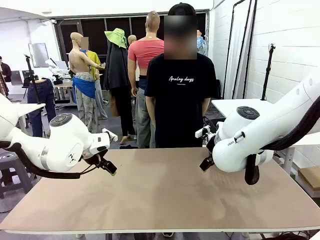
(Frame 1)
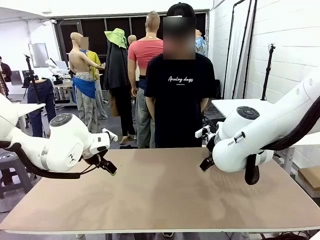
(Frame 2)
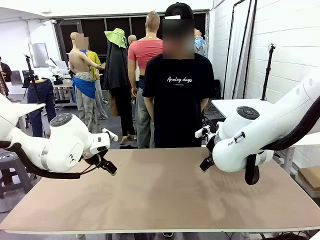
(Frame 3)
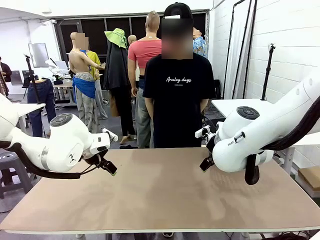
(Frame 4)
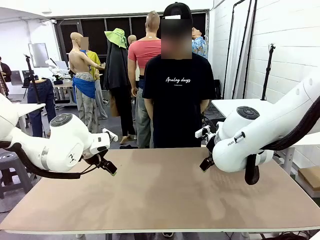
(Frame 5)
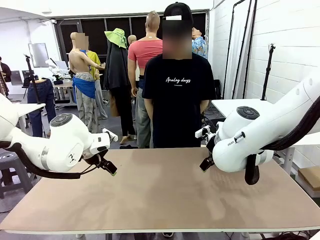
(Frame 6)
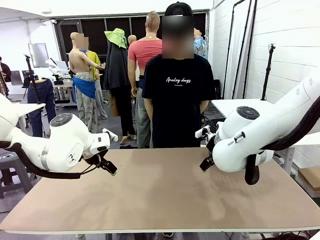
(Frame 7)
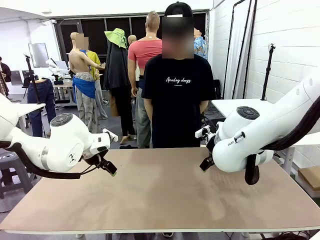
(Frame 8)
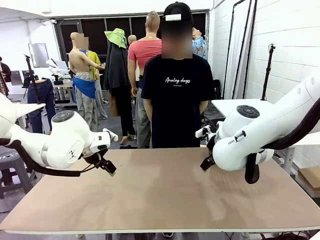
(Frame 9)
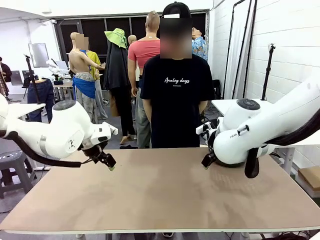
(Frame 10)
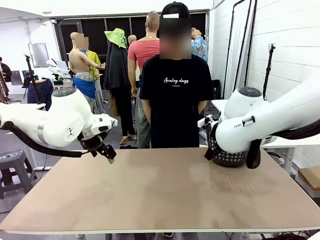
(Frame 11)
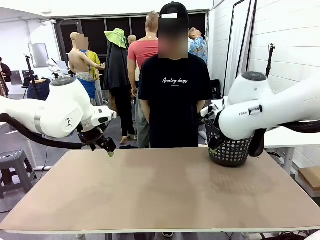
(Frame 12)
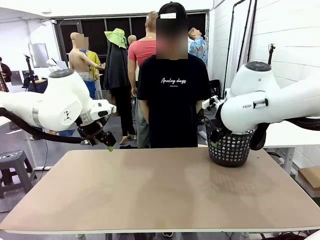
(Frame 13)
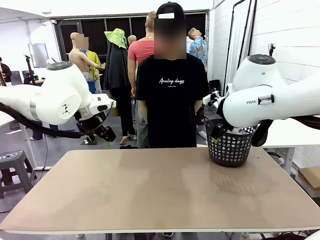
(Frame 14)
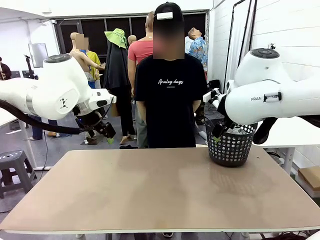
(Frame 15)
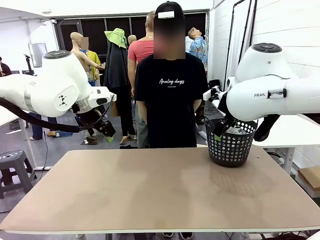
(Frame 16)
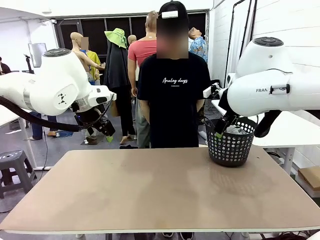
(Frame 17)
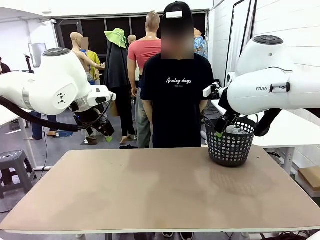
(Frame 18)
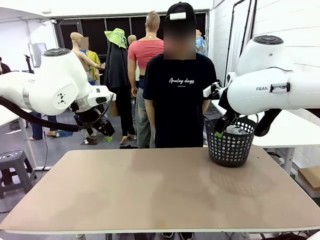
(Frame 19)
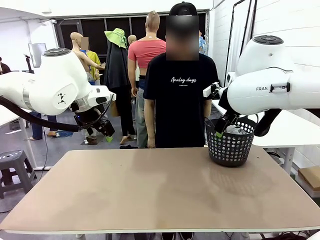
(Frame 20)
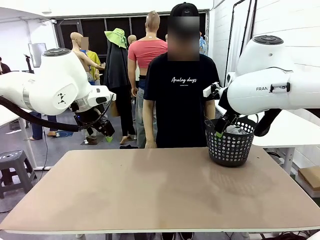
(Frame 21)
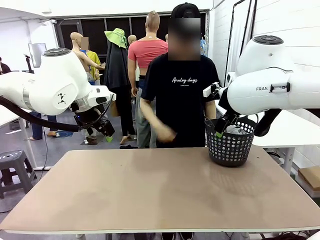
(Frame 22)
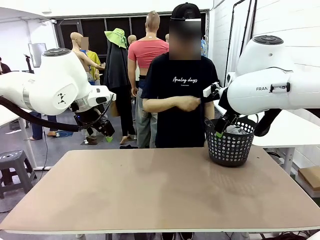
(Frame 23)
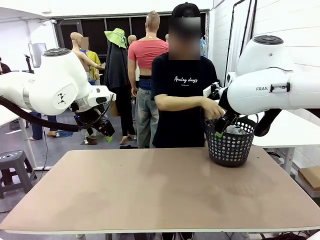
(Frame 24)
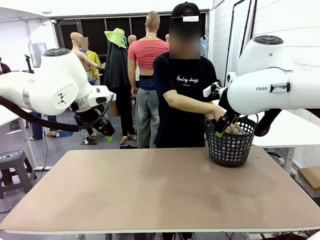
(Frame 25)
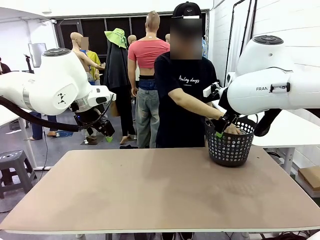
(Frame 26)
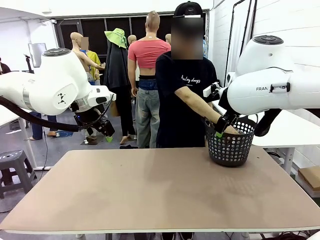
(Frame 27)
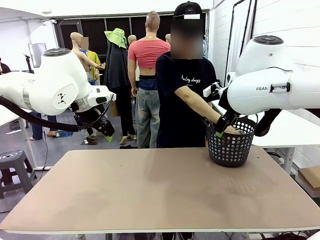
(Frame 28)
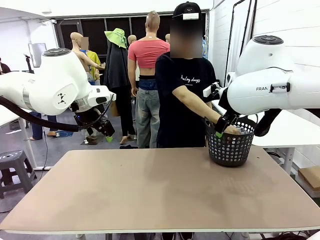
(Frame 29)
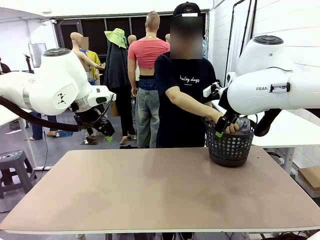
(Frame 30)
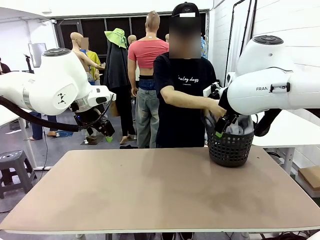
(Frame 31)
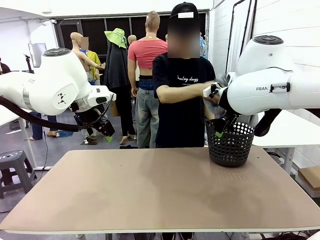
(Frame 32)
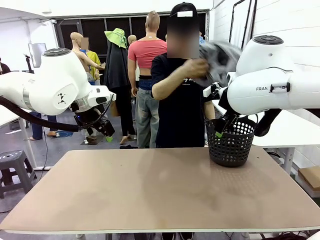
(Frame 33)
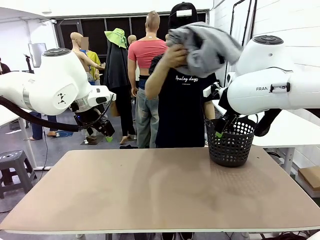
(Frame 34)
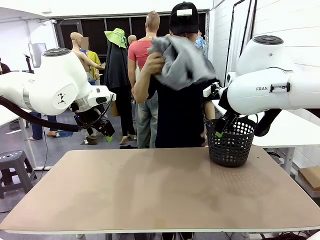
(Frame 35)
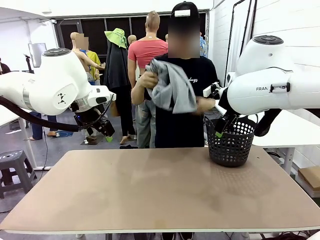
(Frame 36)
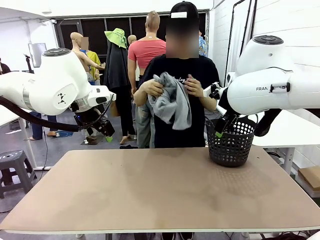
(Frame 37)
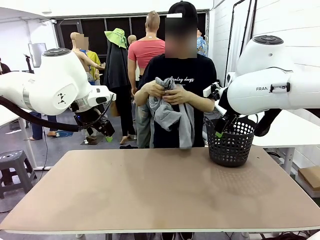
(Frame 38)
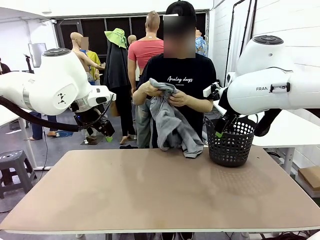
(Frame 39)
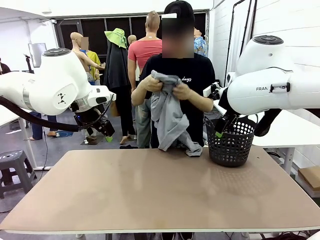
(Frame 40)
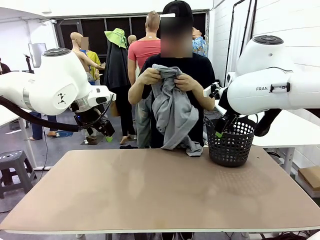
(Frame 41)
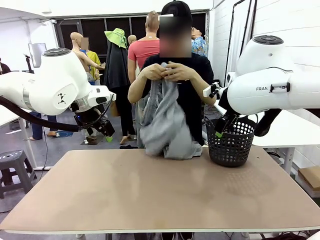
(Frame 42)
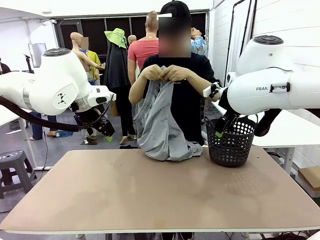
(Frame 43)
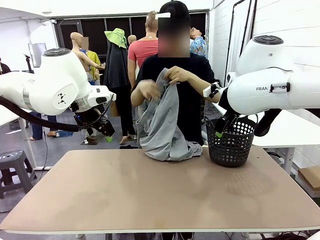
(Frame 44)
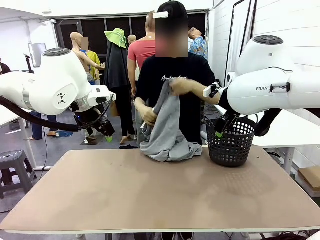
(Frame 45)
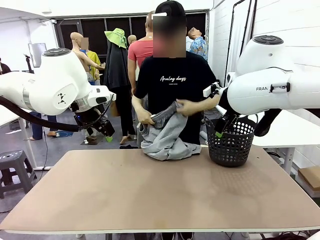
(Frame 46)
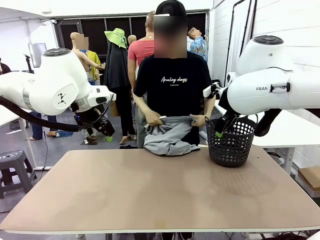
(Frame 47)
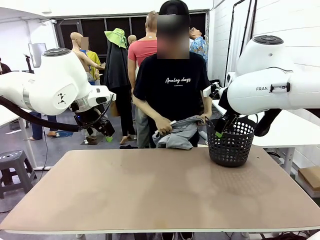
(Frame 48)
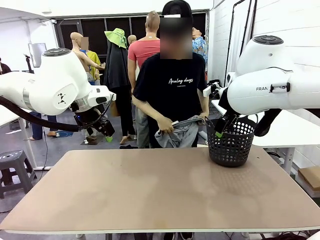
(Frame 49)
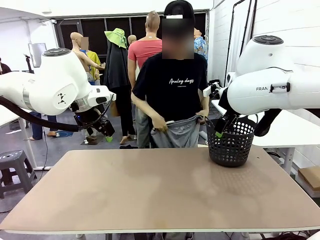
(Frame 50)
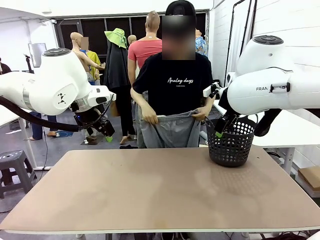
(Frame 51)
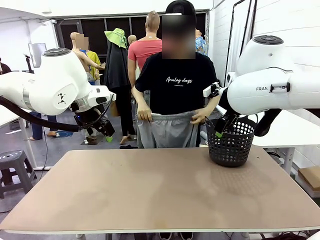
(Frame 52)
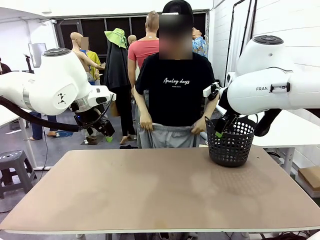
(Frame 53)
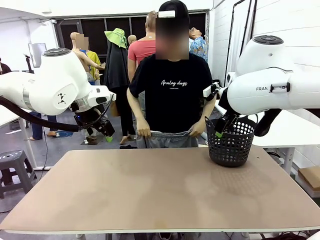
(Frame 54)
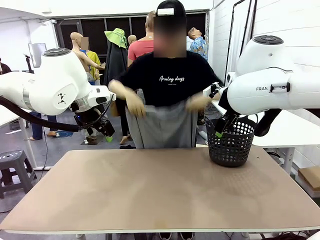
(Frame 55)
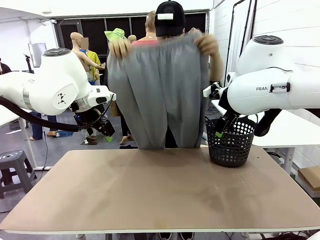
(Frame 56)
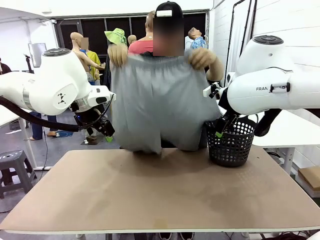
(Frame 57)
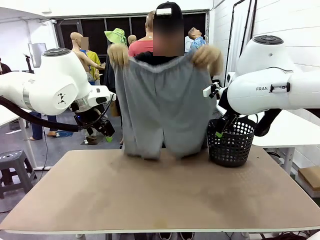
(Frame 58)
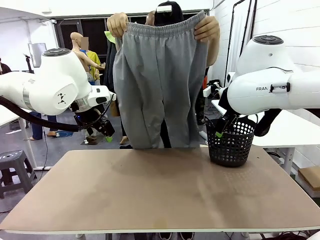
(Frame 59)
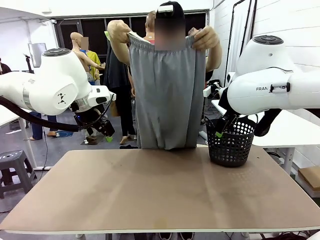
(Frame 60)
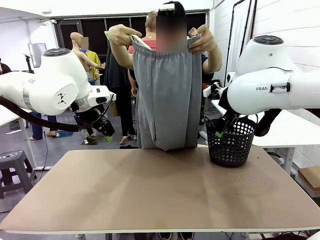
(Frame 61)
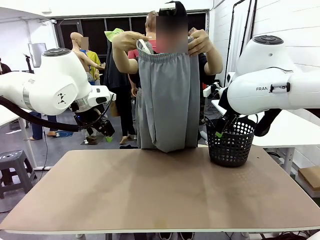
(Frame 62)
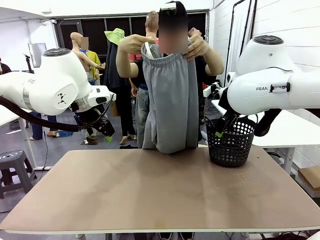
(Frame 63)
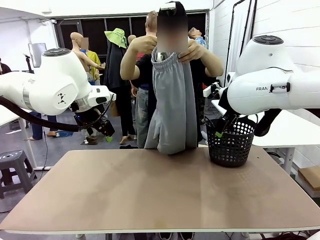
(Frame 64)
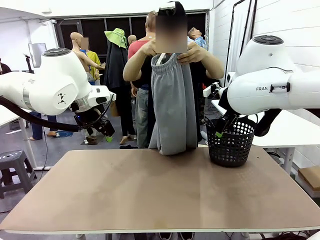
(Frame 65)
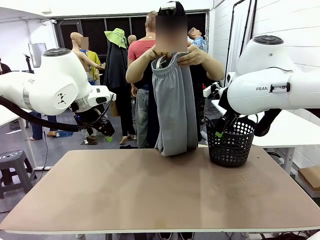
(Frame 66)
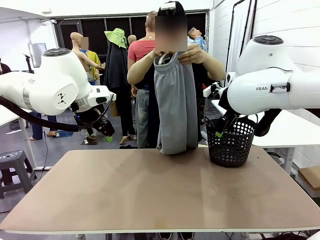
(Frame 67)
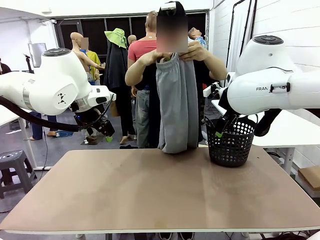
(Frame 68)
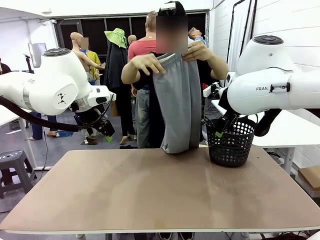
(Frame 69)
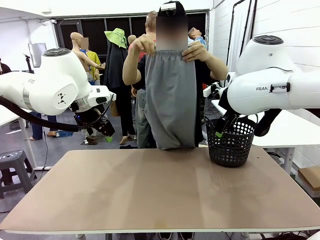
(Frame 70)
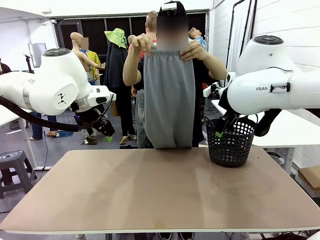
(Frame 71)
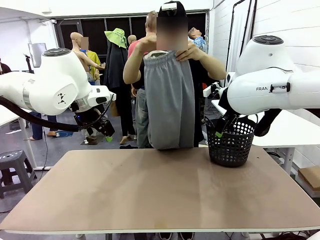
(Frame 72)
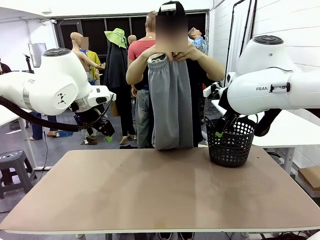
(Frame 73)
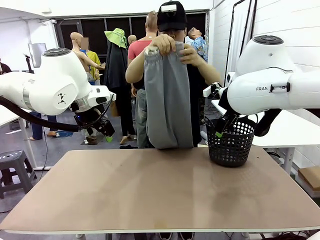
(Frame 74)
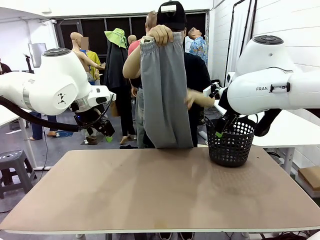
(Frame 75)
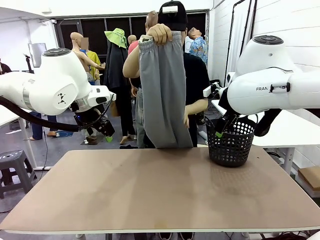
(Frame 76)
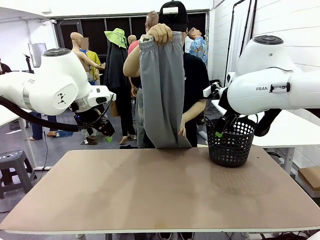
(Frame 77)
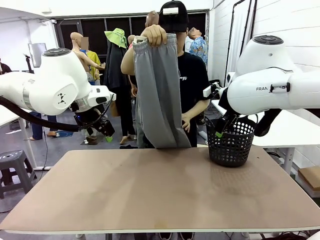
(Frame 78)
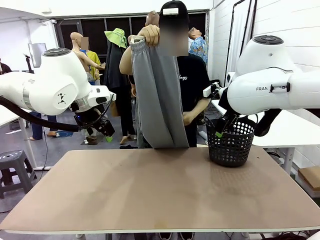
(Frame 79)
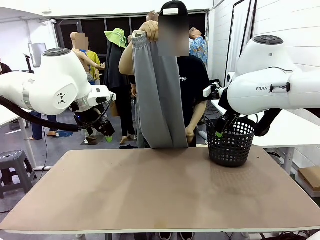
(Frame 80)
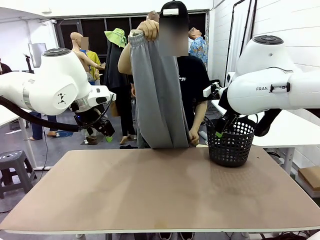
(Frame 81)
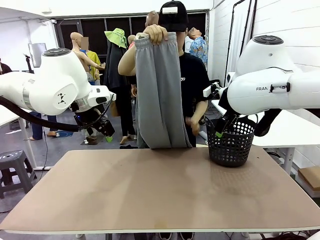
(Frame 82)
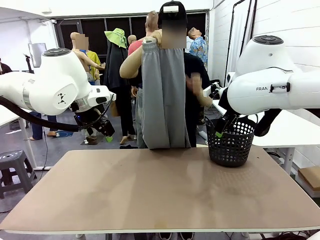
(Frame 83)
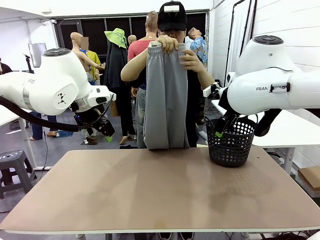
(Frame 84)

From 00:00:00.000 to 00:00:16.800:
Task: Fold the training pants.
Robot: Grab both ends of the Training pants handed by a person.
Person: Take the long pants out of the laundry basket, unfold them, fold the waist in half, and extend them so the robot can pick up both corners.
